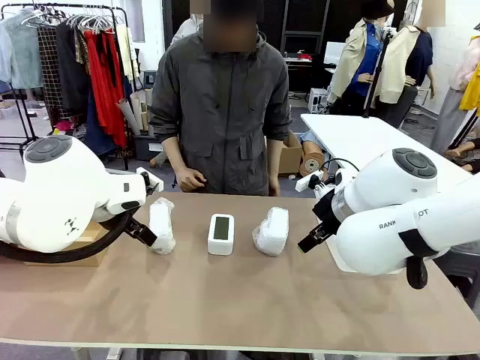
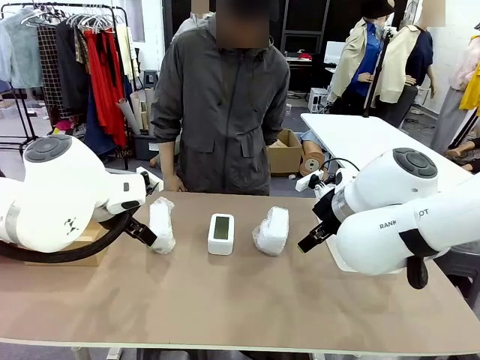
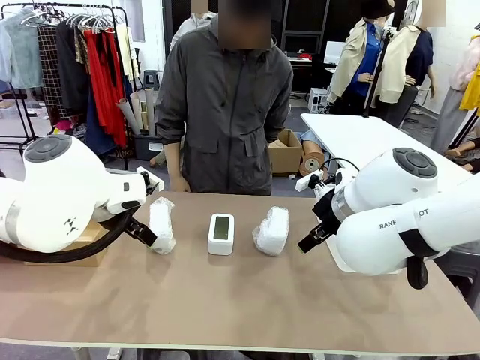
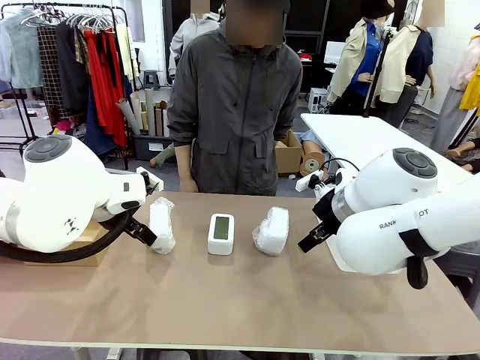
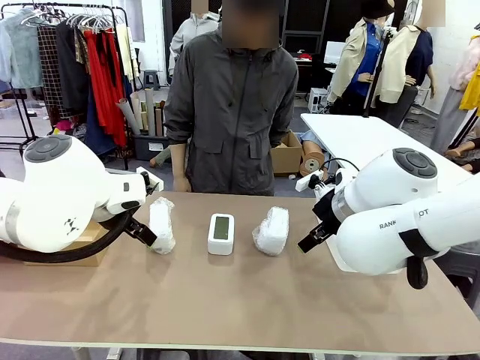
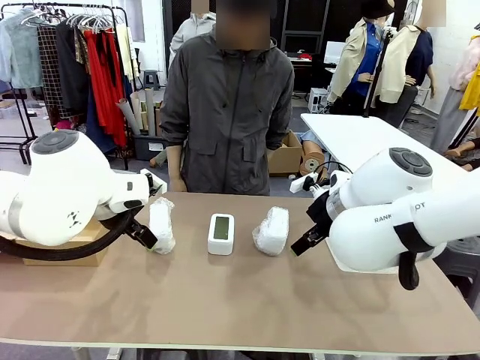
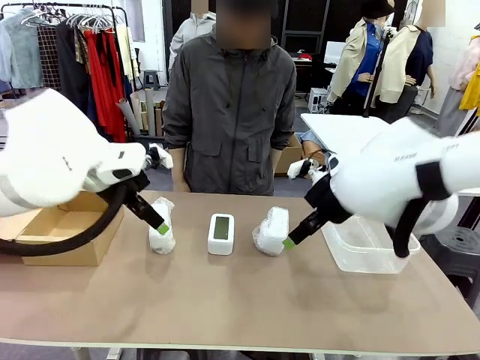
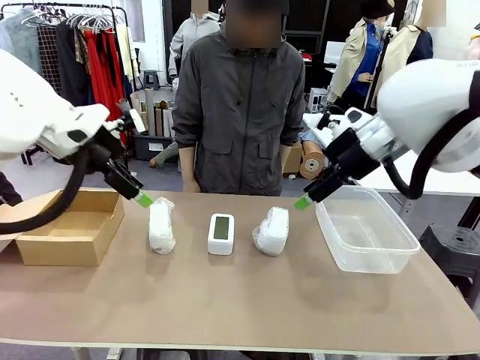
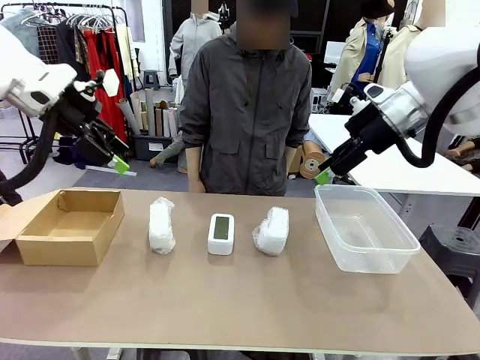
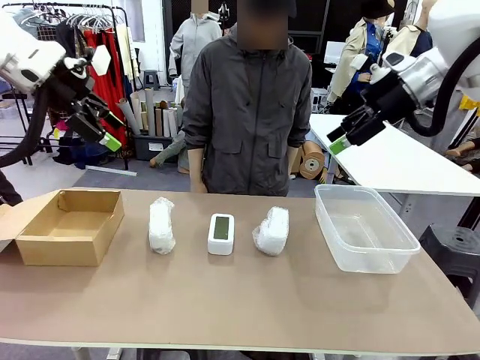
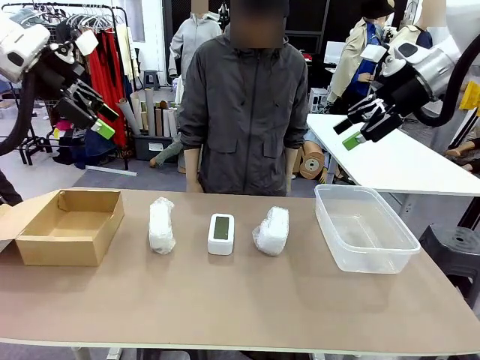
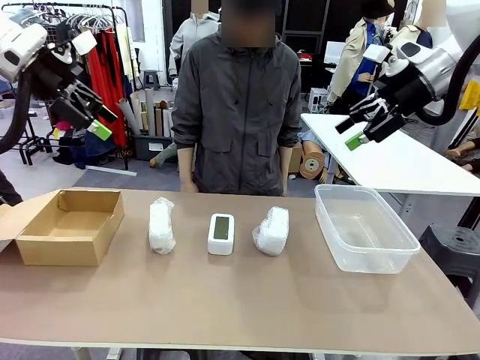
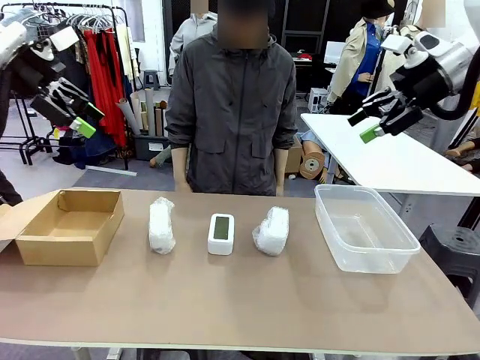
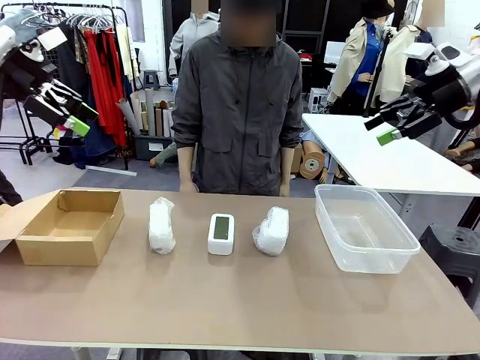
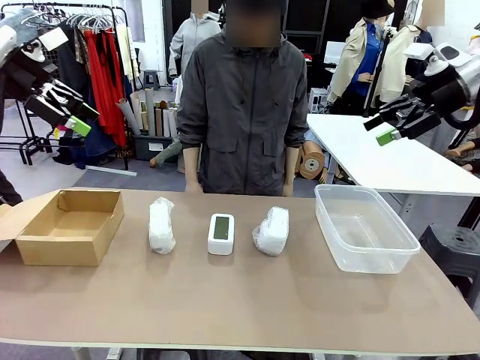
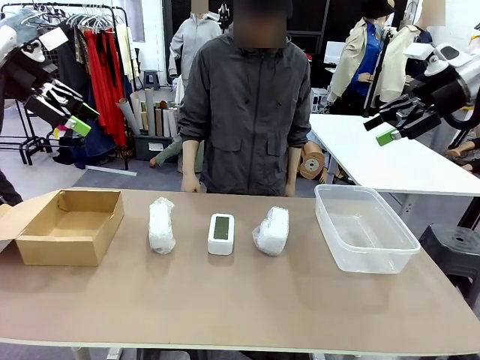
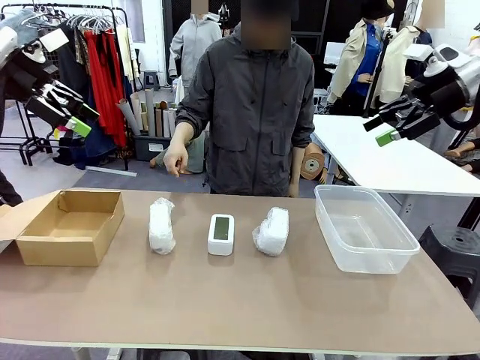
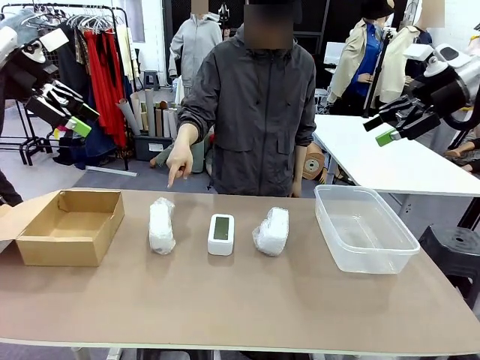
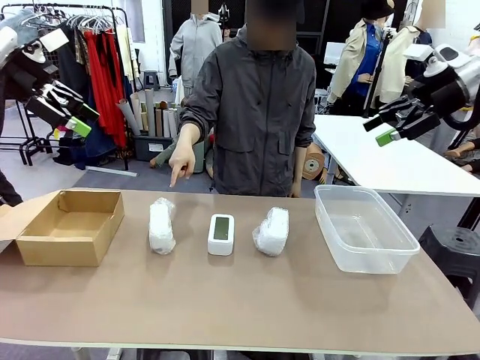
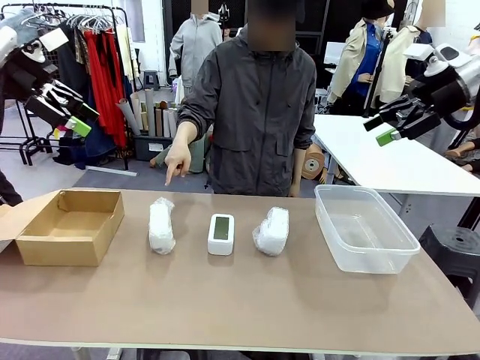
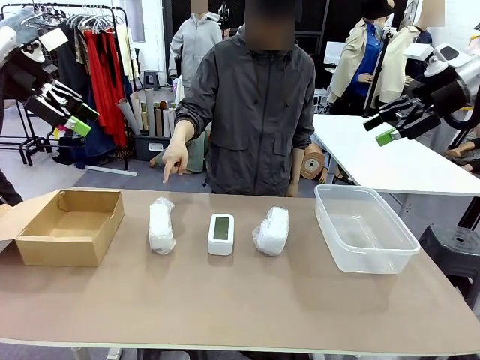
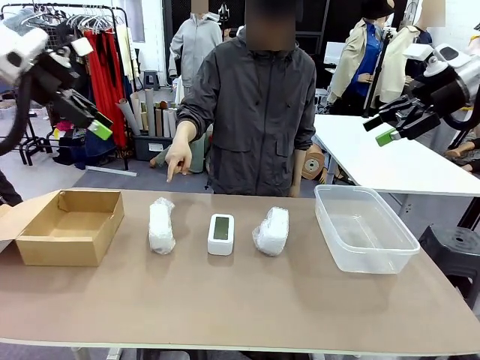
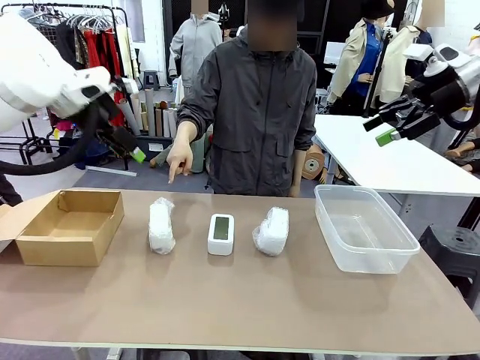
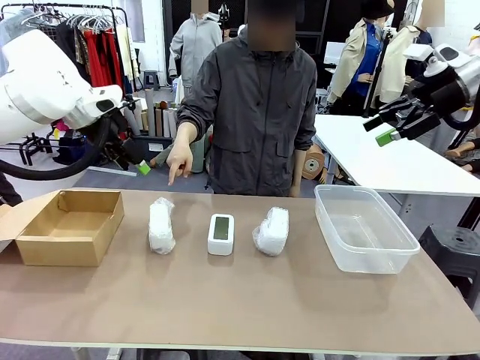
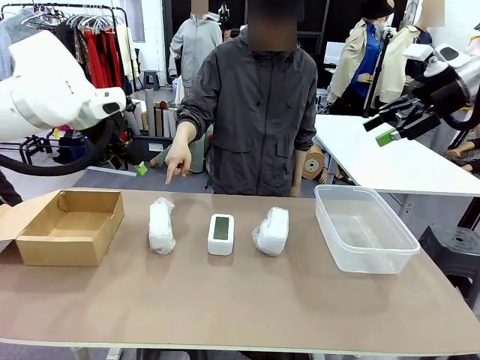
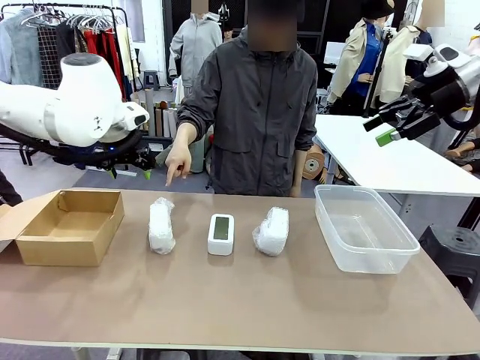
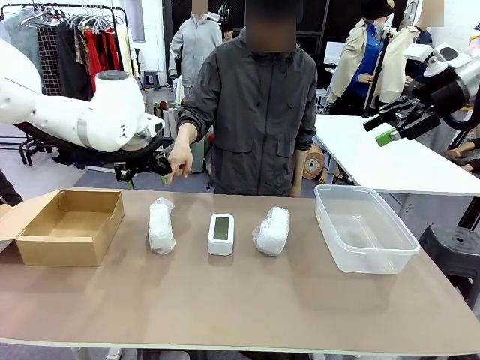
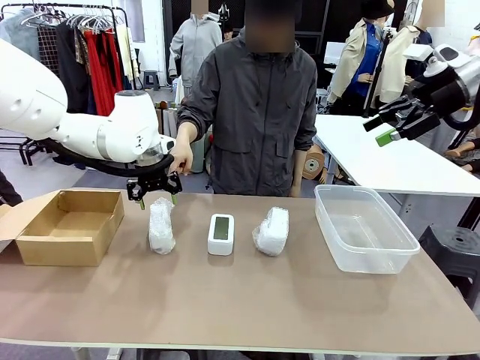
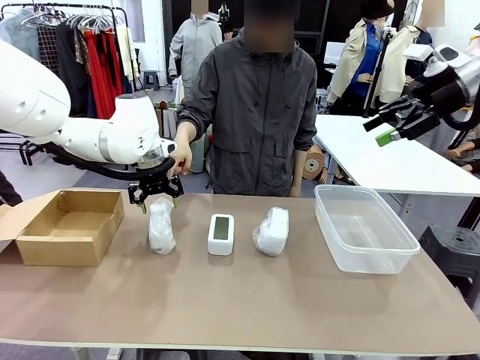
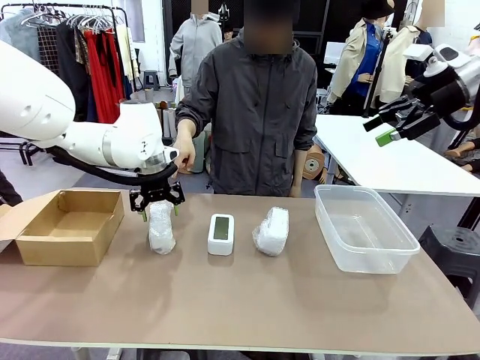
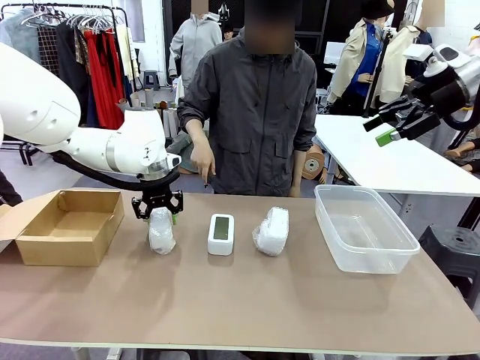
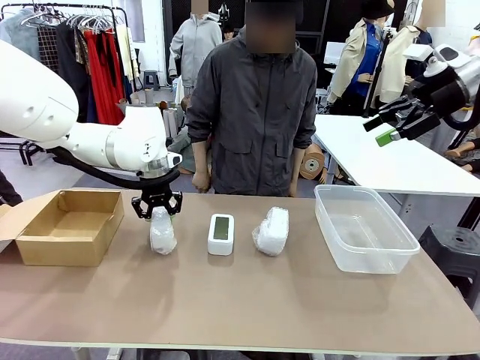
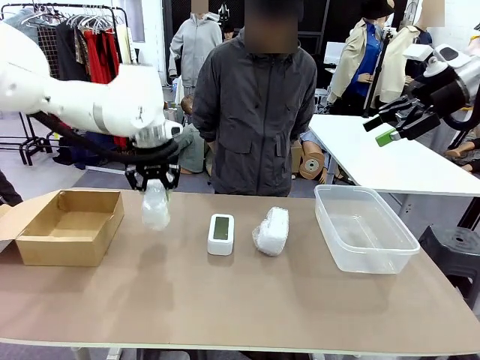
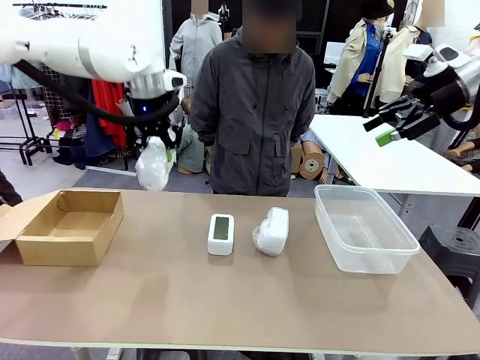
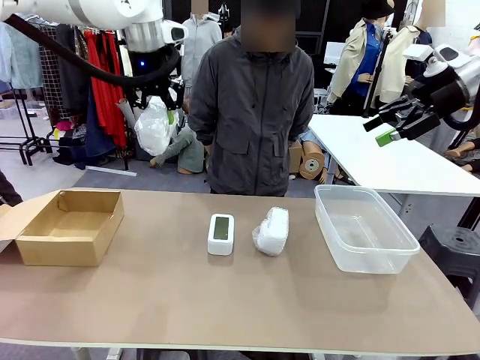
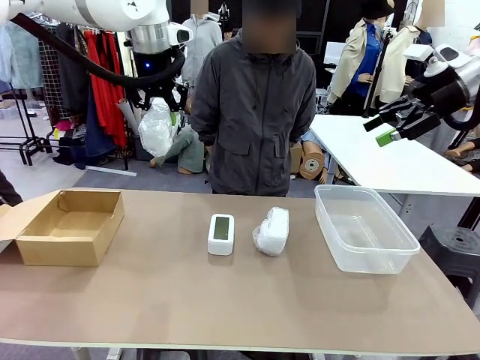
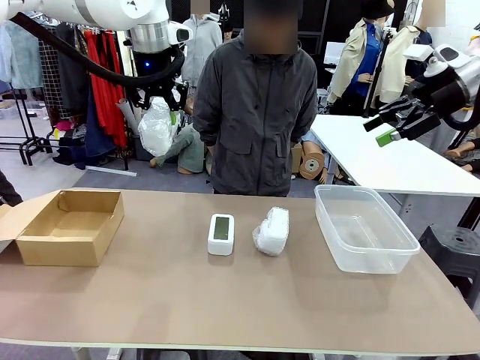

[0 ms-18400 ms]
Task: Separate and place wrapped and unwrapped clocks.
Robot: Pick up the Digital clock indicated by the person.

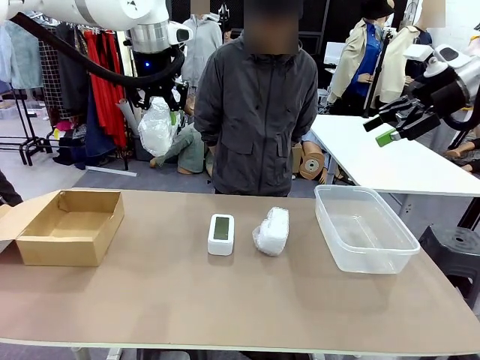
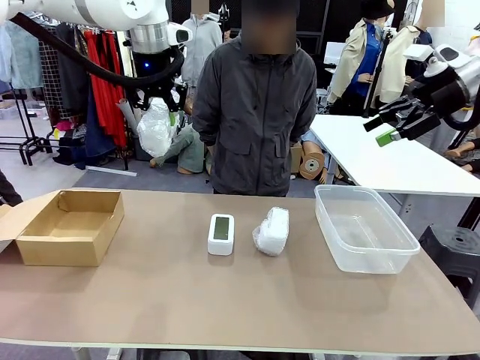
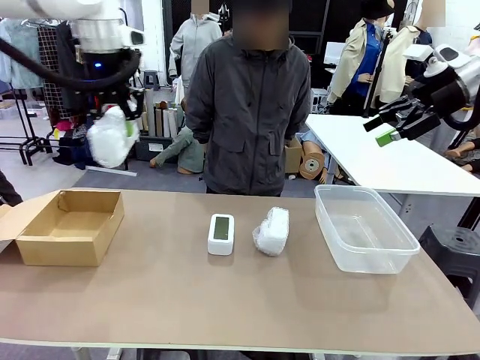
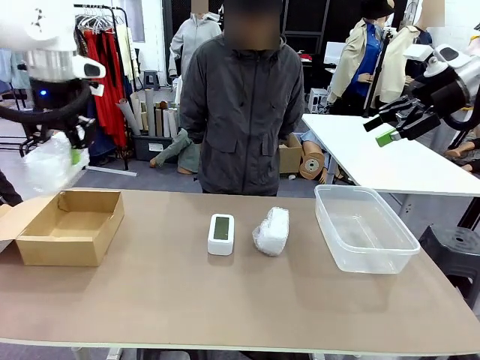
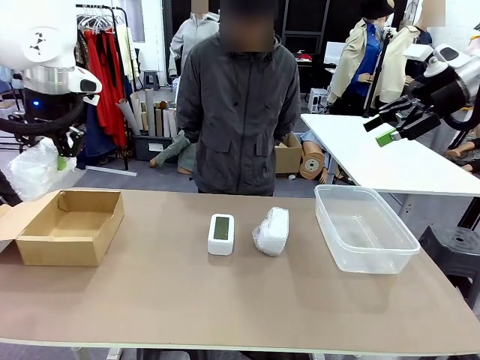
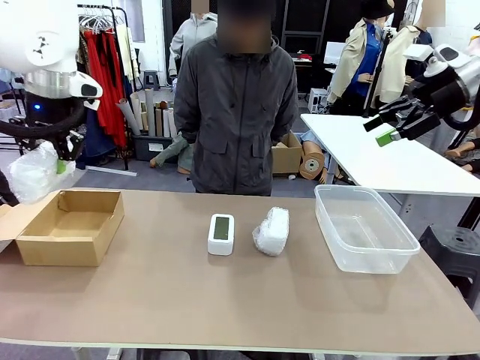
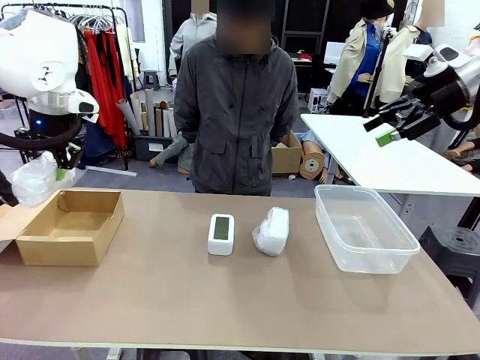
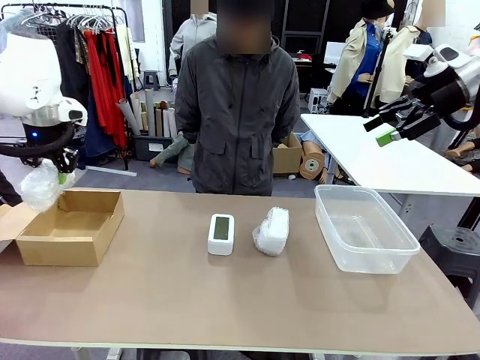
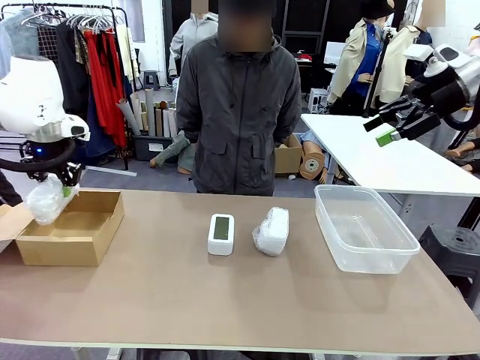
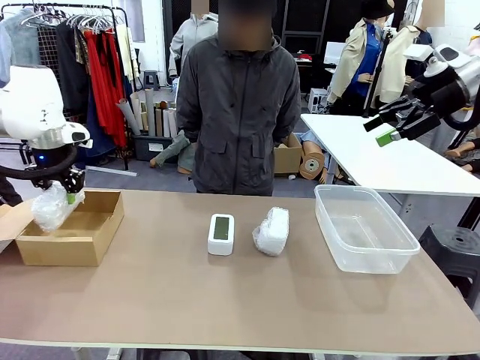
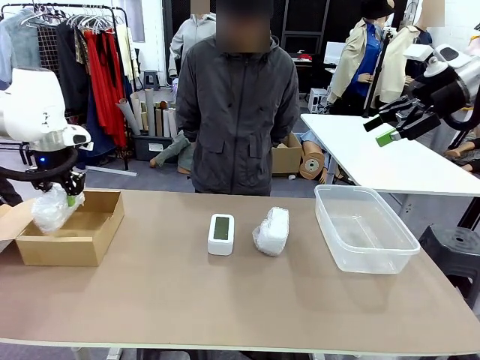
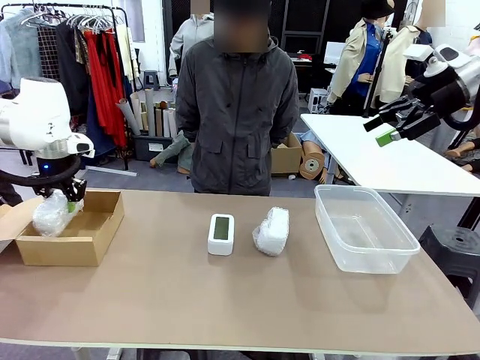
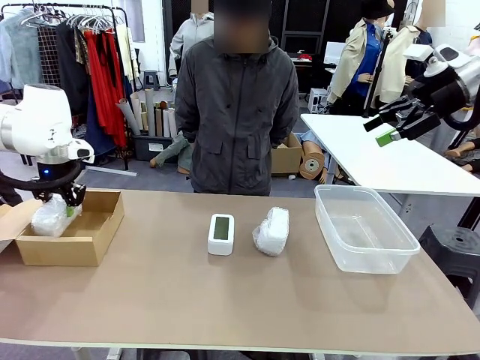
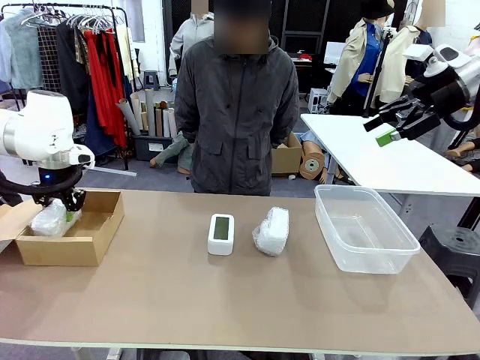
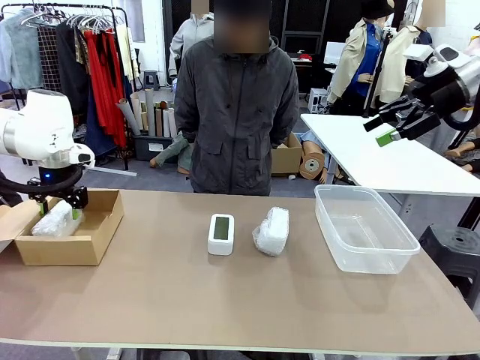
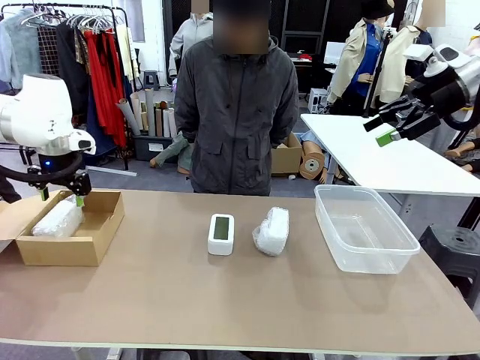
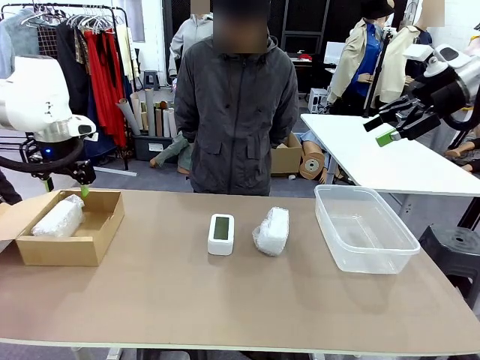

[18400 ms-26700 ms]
Robot: If the picked Digital clock is wrapped, place it in the Package Box ; if not, place it in the Organizing box.
